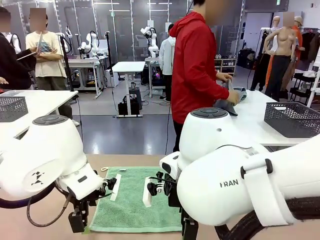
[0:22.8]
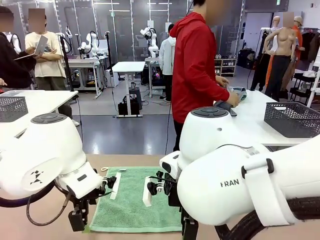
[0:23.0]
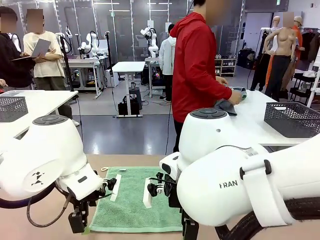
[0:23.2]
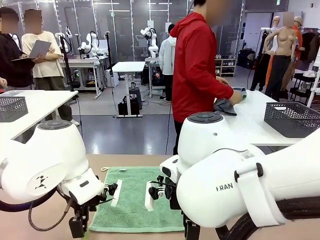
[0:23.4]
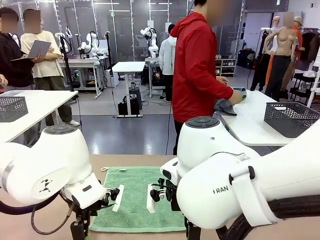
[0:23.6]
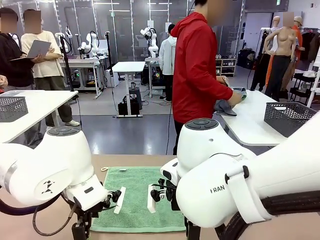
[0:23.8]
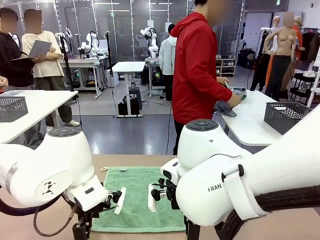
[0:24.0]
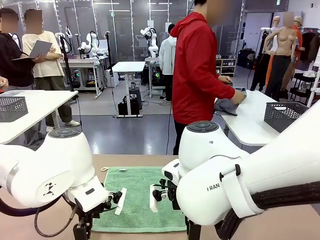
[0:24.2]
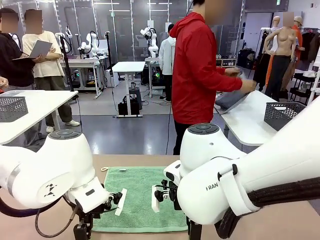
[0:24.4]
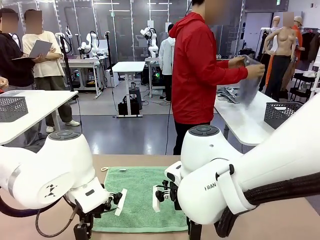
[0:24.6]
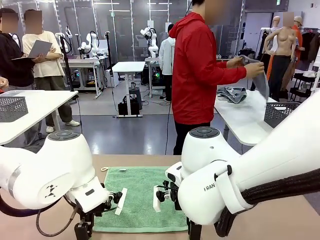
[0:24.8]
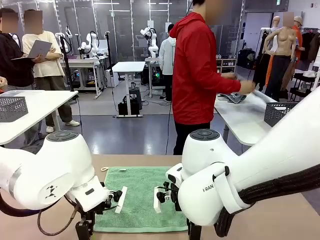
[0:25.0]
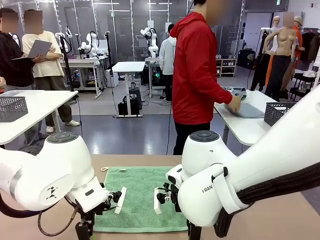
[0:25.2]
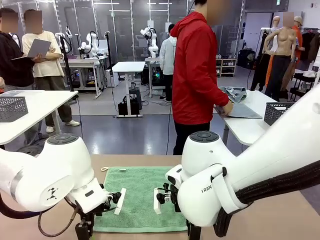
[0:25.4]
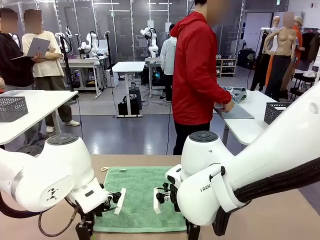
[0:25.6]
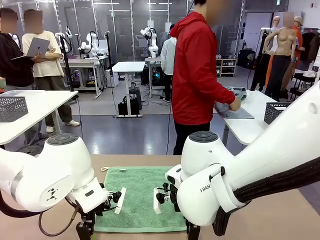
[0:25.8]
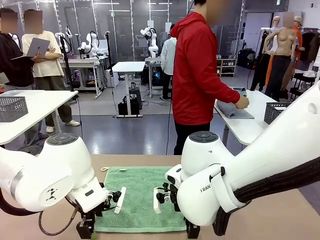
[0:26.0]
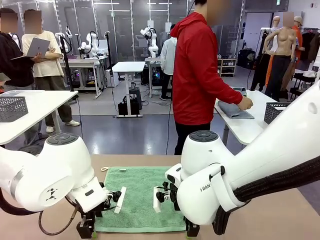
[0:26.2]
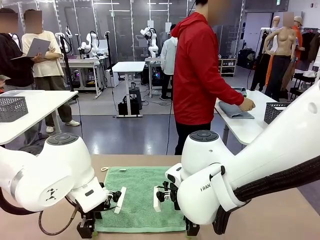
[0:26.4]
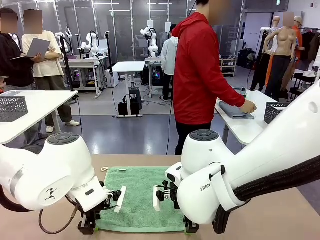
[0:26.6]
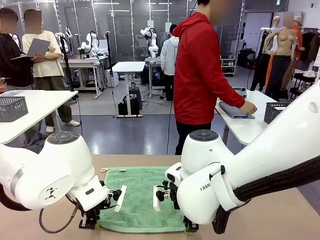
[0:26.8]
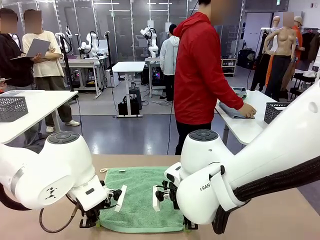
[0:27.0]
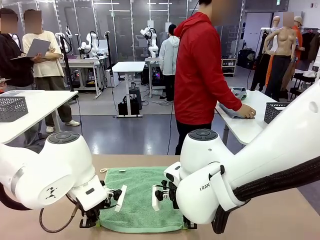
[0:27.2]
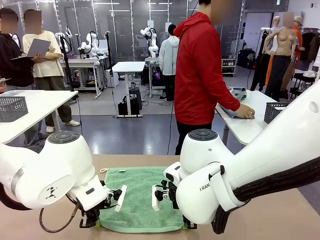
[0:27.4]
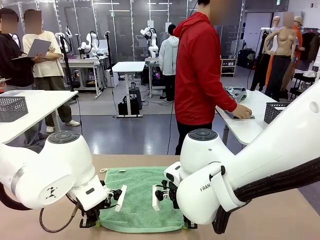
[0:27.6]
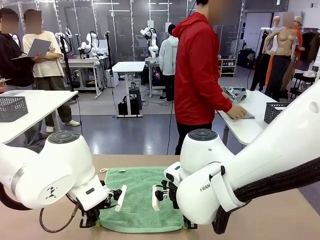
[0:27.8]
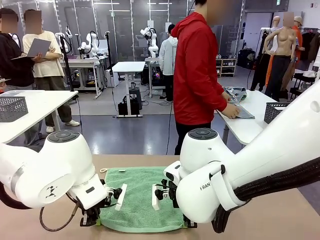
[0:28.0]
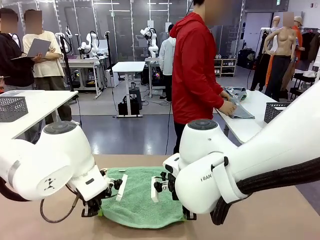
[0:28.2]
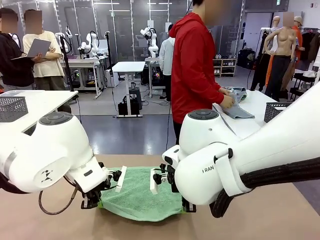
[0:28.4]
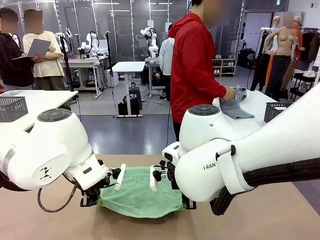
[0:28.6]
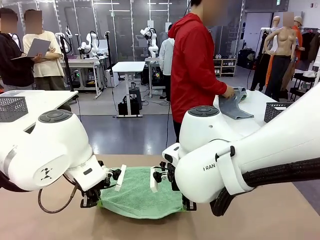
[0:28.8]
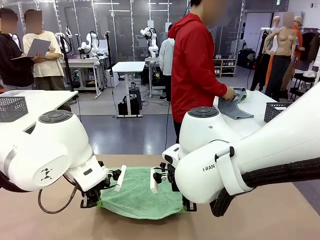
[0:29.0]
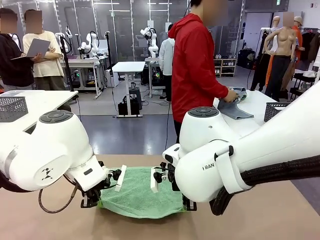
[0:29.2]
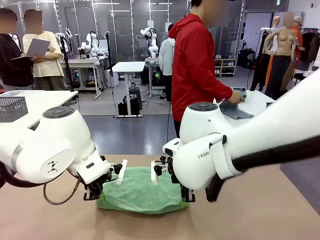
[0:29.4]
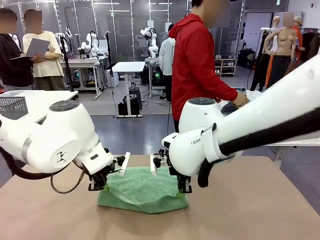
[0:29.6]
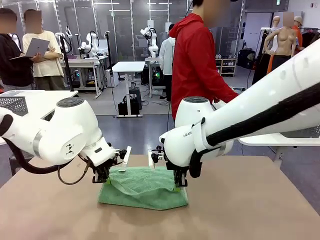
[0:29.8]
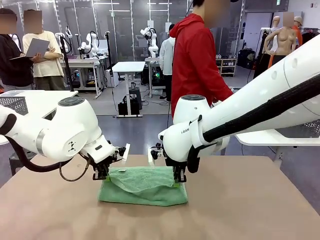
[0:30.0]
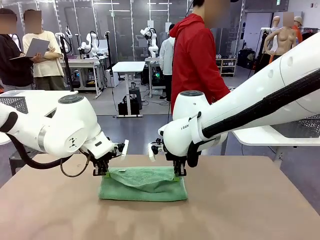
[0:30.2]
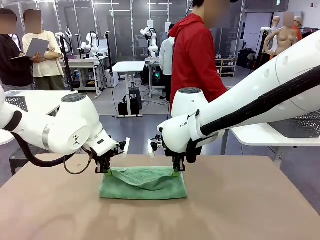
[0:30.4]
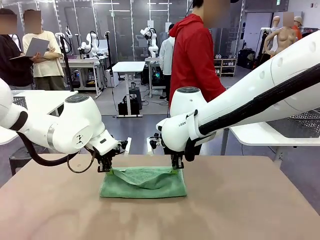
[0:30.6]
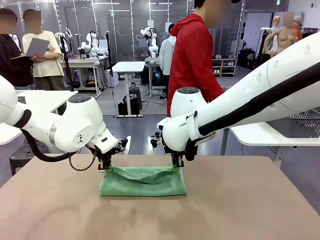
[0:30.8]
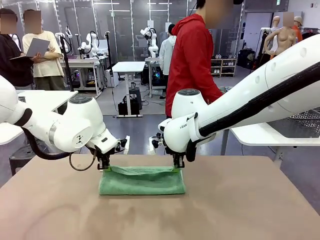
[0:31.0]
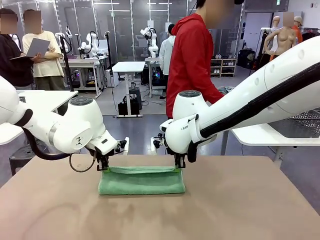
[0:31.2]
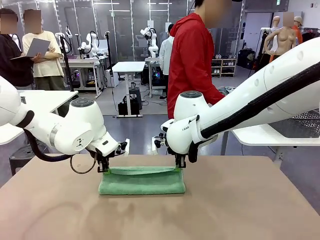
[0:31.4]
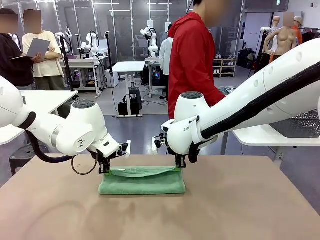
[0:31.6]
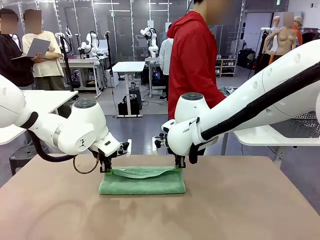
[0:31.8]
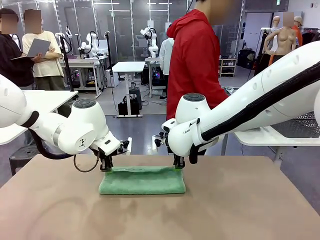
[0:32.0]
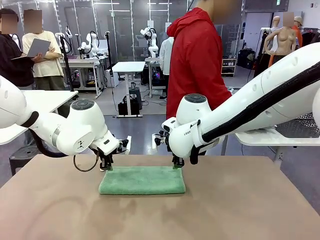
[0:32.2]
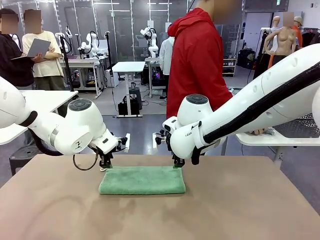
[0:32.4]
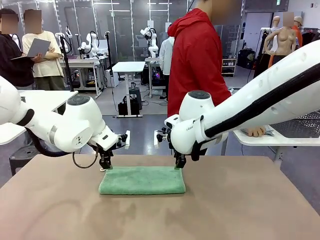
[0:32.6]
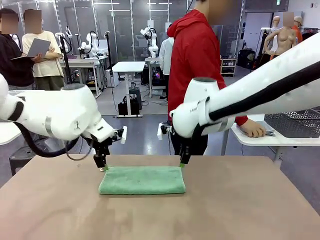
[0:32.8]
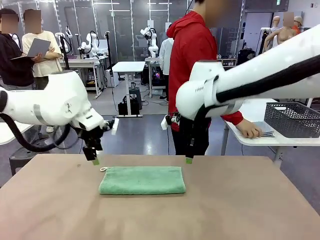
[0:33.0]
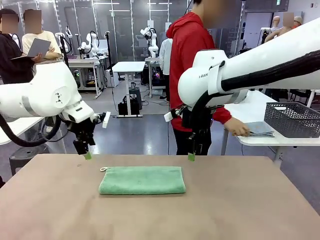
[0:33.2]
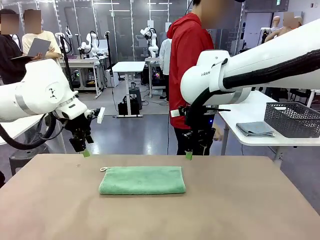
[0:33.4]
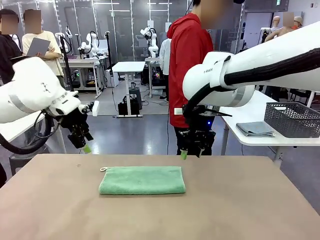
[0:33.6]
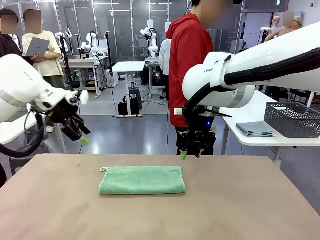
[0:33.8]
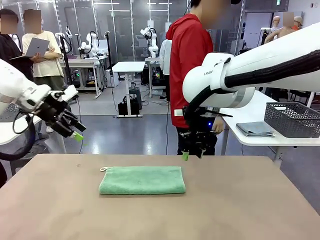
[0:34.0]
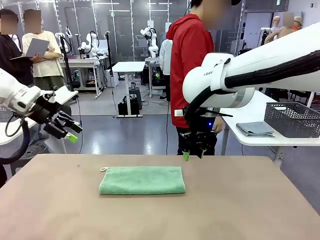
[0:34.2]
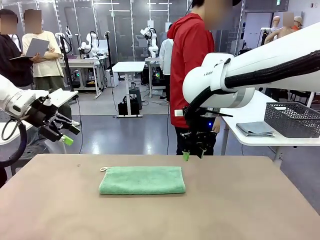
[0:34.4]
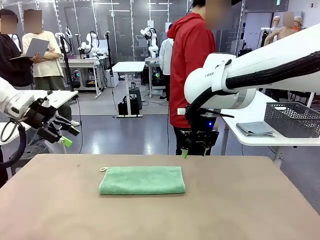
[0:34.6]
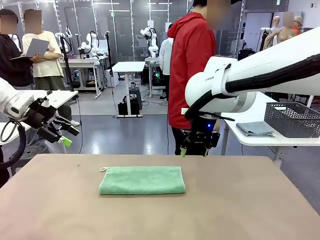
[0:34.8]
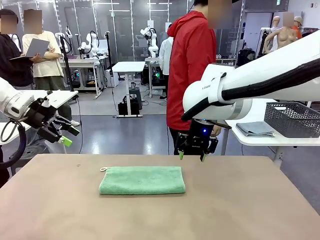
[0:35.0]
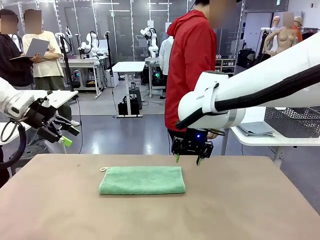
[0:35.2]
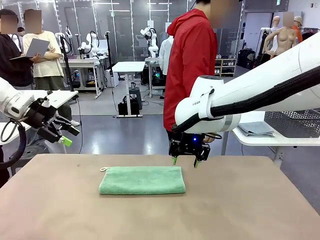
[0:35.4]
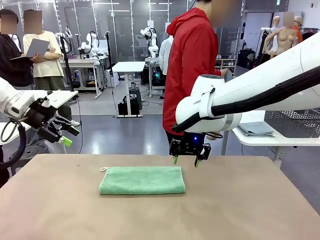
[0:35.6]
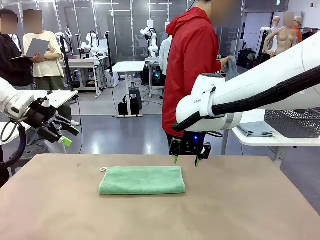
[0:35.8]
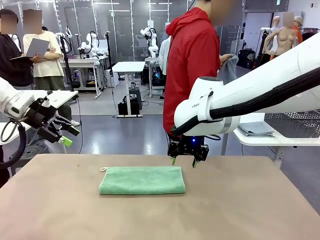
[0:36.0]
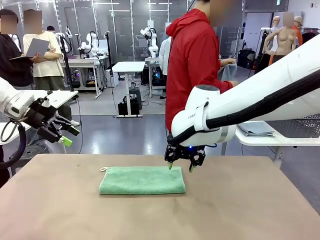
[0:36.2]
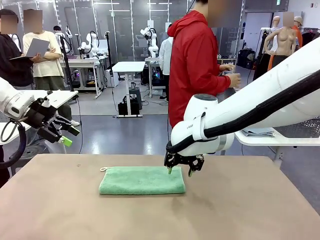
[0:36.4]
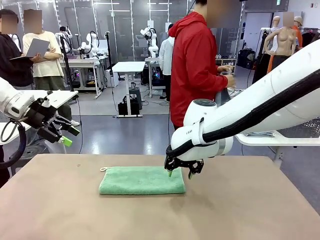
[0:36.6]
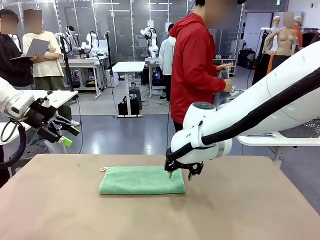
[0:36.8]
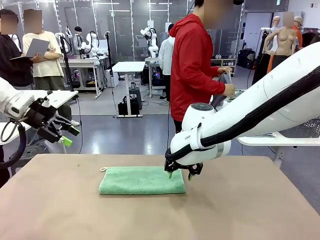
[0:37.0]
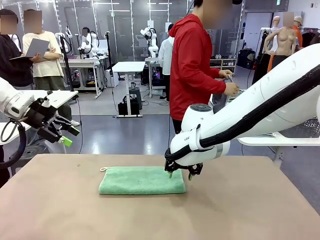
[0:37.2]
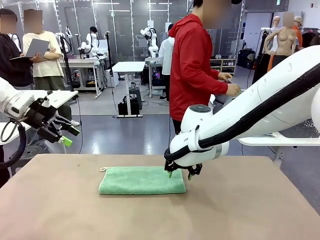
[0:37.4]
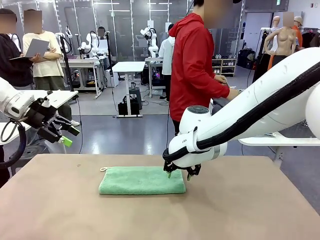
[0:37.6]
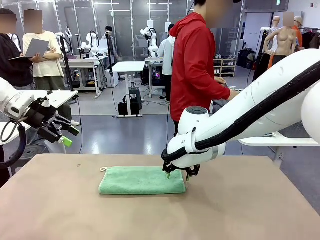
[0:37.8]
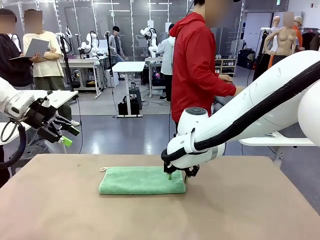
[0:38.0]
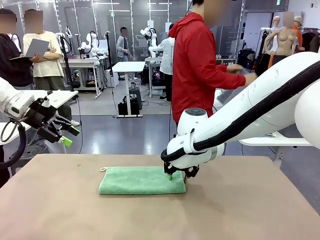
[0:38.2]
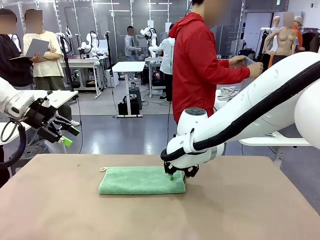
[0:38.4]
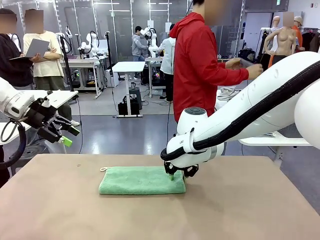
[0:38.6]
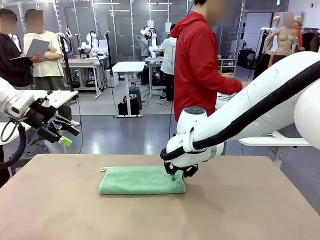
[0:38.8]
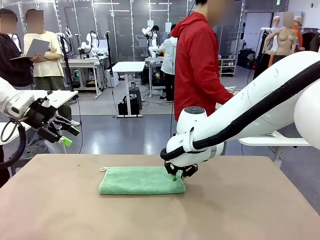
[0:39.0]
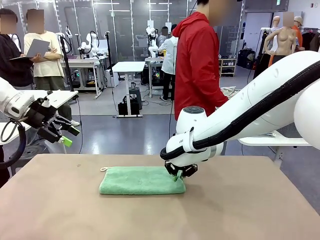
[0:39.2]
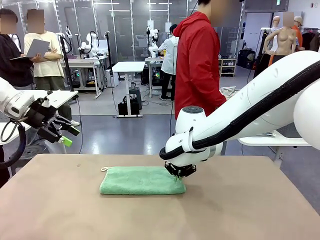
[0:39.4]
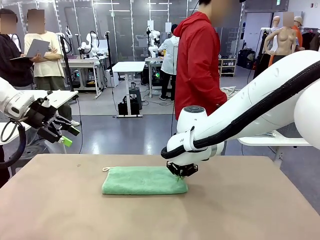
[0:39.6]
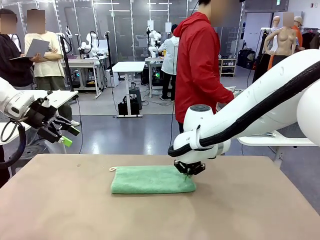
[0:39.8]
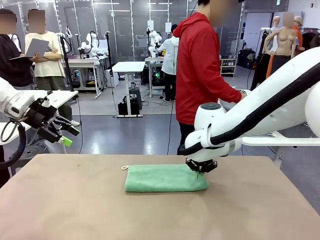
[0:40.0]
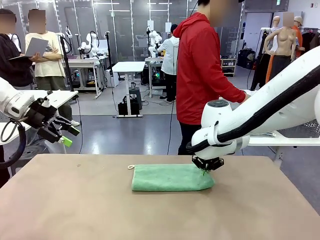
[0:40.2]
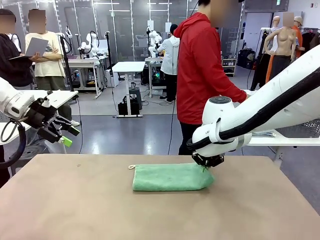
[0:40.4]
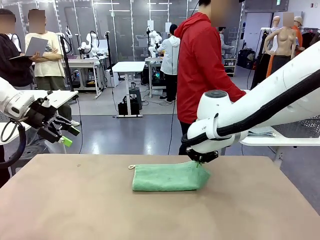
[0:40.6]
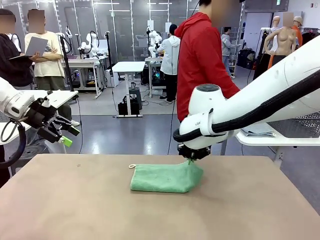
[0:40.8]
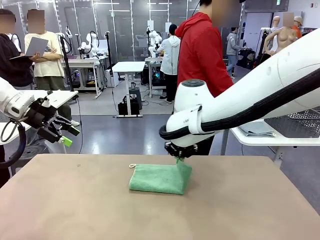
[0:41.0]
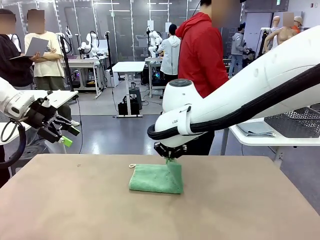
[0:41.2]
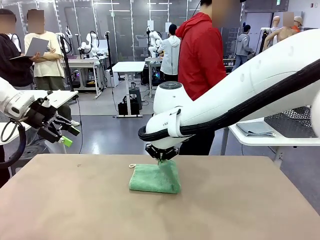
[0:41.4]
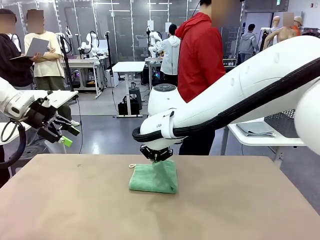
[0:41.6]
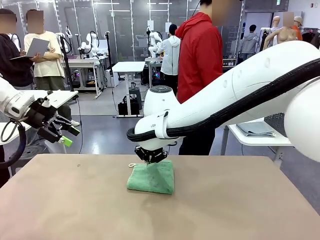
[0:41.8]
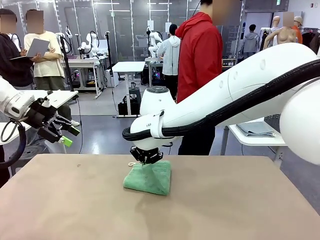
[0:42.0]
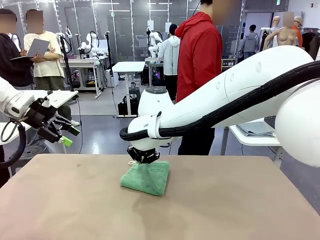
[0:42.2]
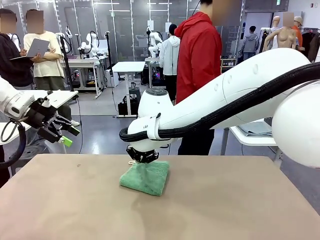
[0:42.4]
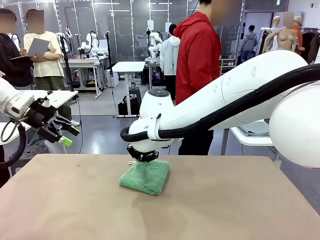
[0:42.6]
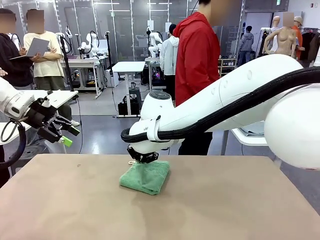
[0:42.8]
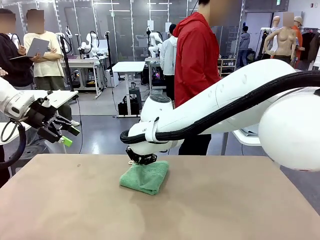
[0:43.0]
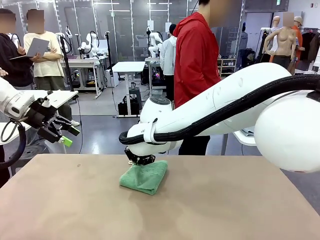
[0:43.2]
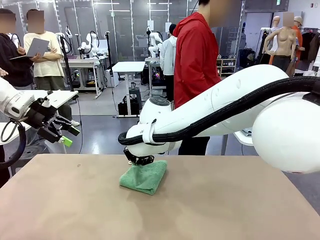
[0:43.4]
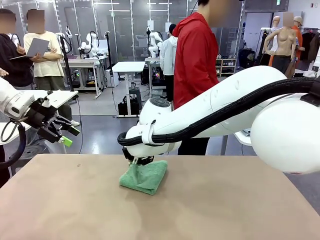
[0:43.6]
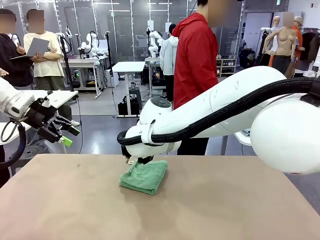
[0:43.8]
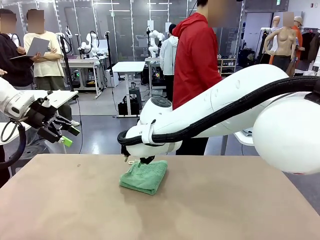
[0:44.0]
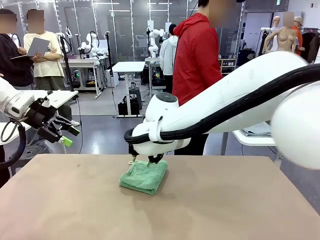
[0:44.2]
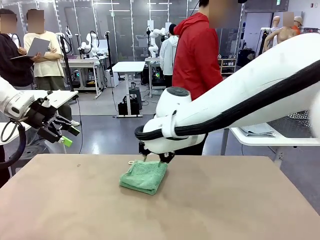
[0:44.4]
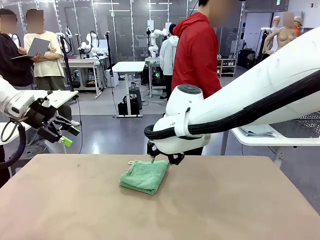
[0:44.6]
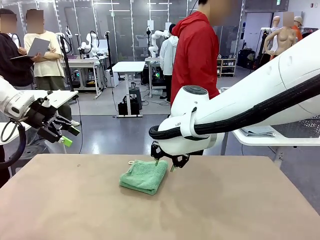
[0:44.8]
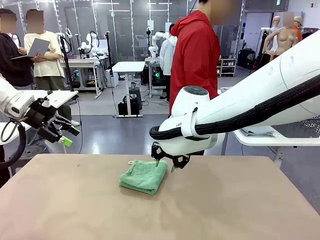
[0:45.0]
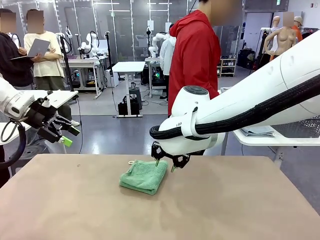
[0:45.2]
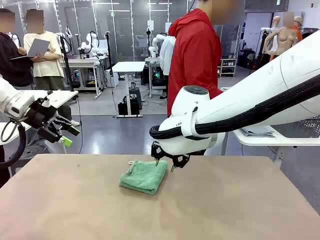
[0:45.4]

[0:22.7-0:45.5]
Task: Fold the towels and place them in the basket.
Robot: When a person lays out a Towel with hook on the table, fold it in half twice.
Person: Pick up one towel from the left side of the human table, fold it in half twice, and place it on the right side of the table. Pick up one towel from the left side of the human table, fold it in half twice, and stack it on the right side of the table.
